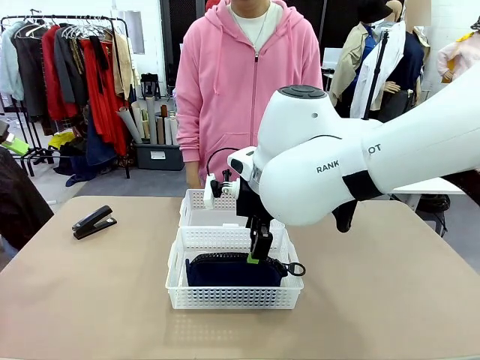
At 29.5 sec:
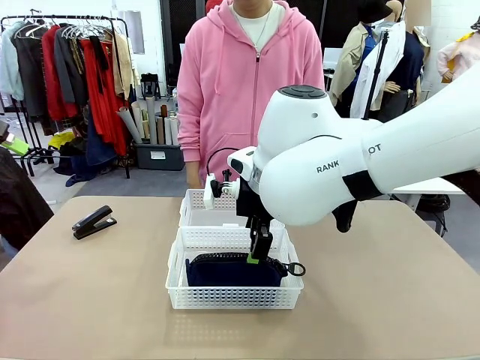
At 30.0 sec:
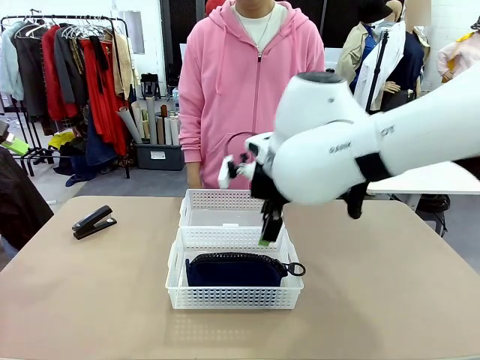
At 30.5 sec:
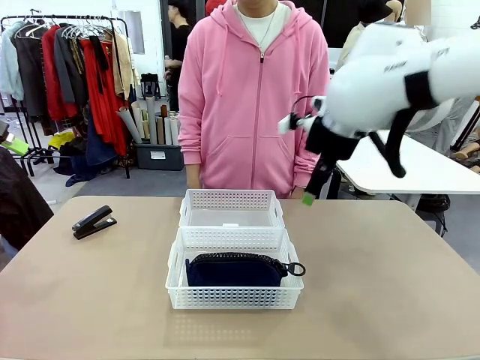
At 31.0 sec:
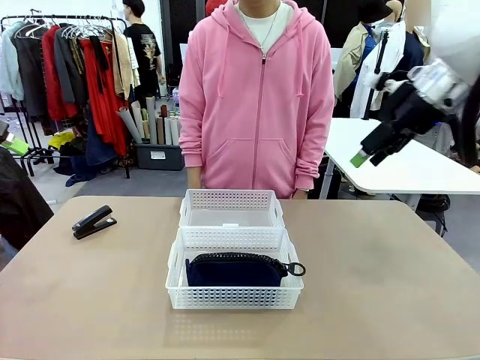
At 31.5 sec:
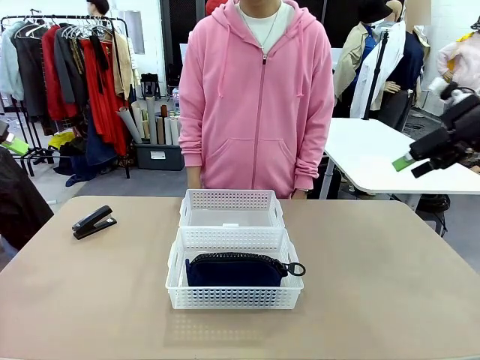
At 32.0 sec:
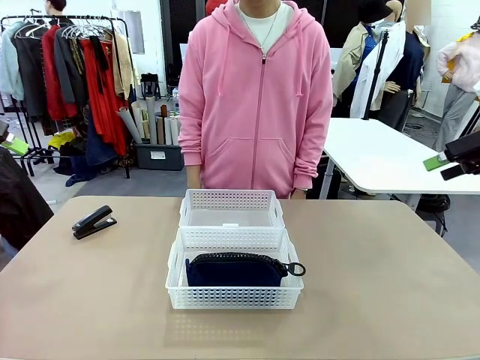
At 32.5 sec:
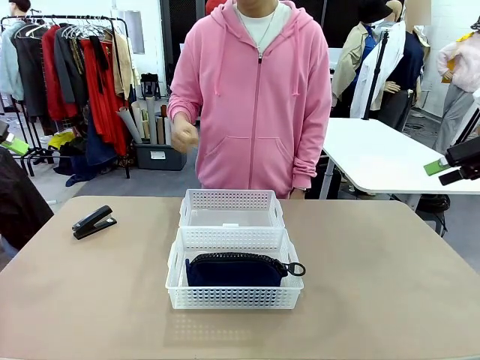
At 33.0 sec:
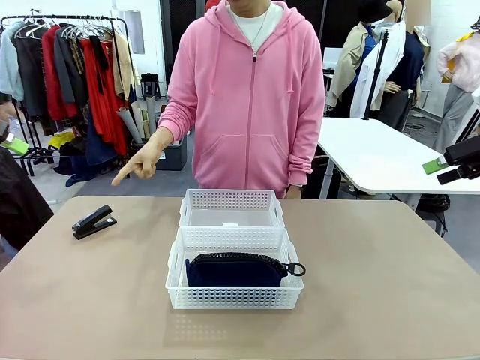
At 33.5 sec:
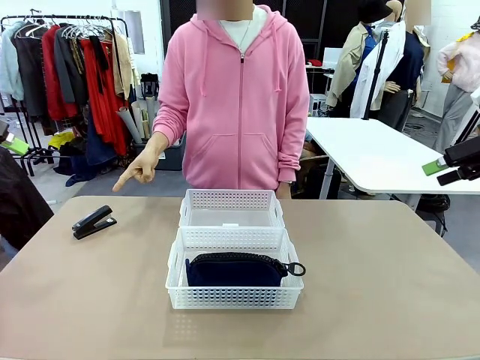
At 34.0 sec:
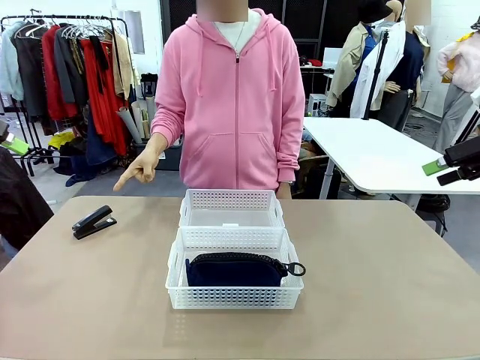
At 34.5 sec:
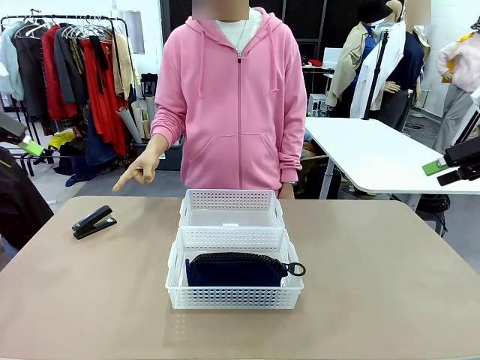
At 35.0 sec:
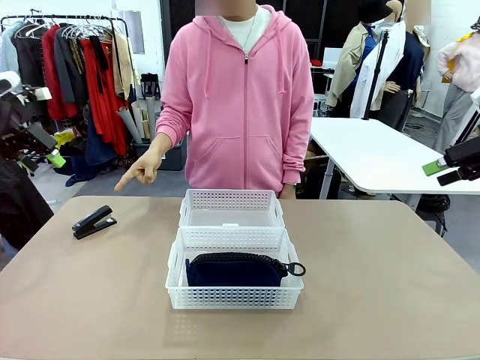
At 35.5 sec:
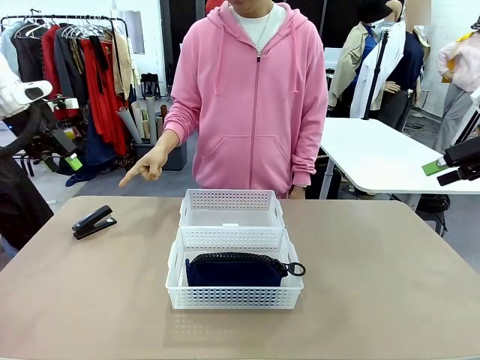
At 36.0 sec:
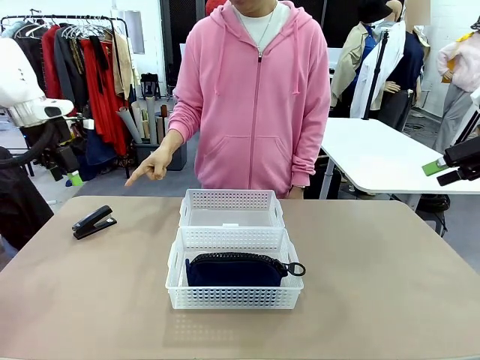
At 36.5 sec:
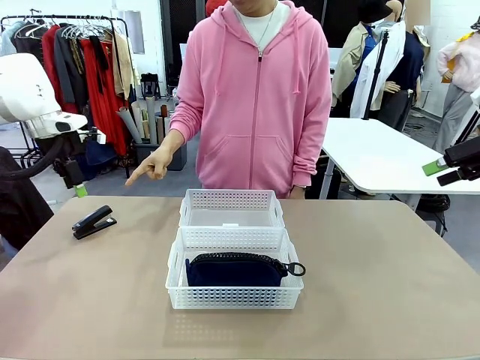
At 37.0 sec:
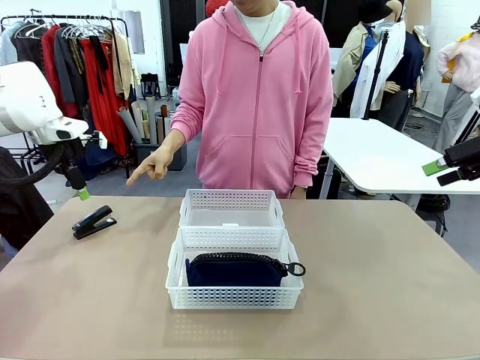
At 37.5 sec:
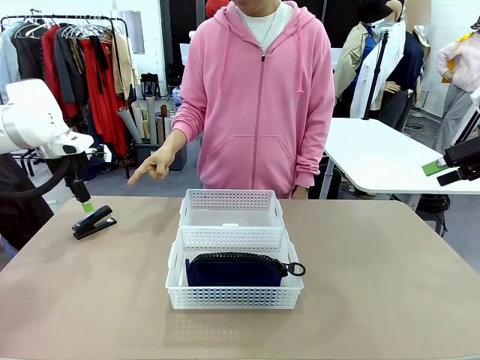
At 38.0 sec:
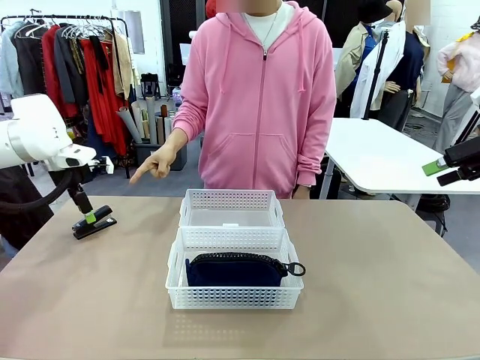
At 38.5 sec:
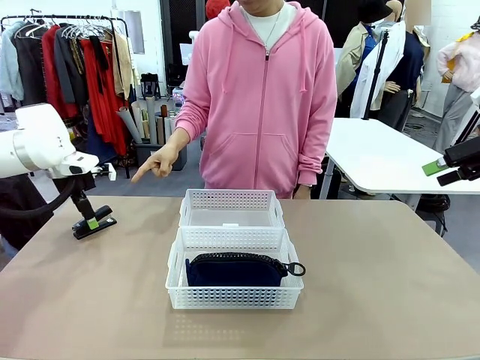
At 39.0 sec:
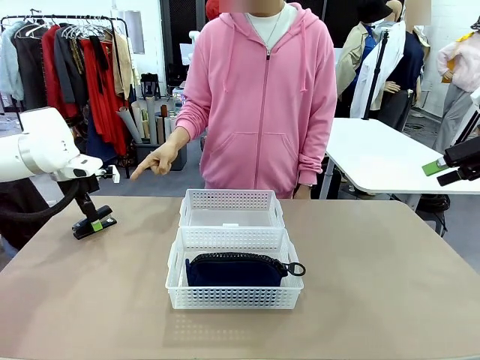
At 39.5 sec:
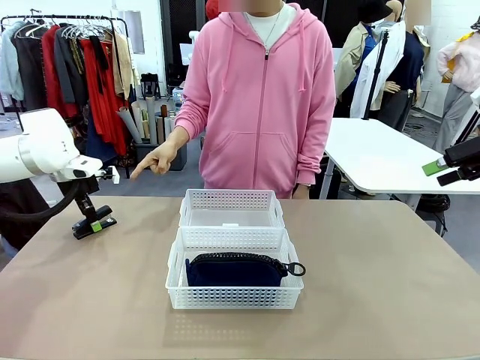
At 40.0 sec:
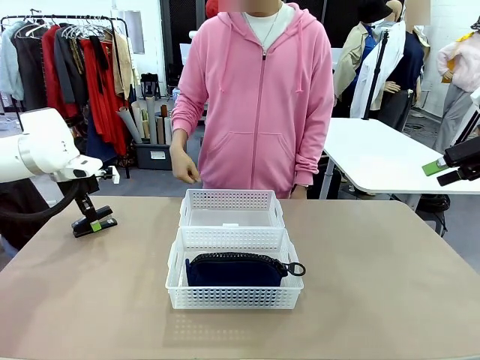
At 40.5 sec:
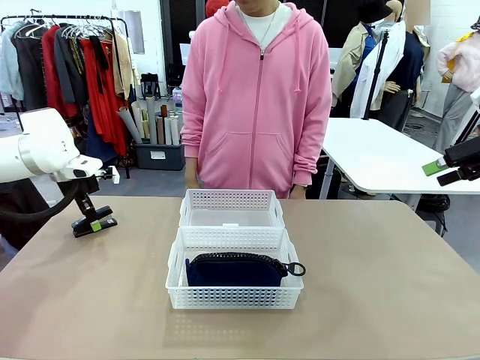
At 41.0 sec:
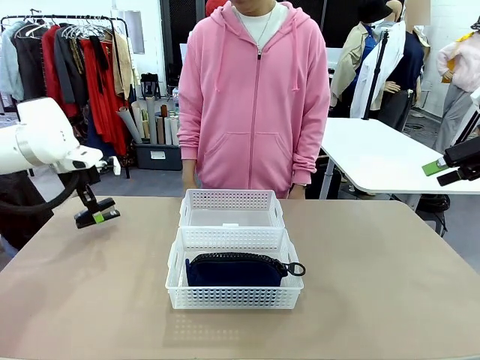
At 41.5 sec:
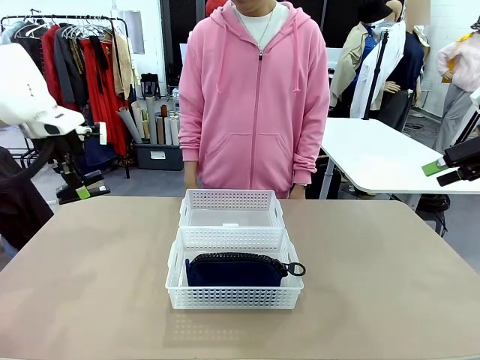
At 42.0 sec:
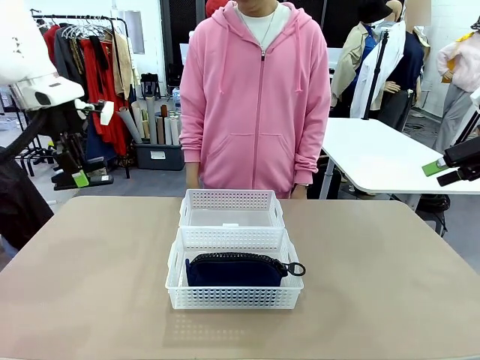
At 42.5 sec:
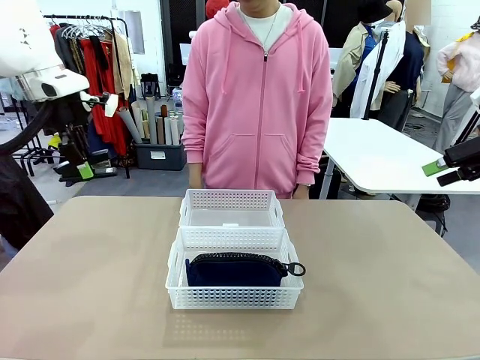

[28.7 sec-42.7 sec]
Task: Distribute items into two baskets.
Robot: Pick up the Stapler that the person points to.

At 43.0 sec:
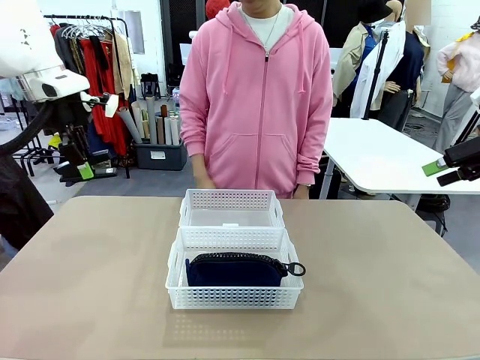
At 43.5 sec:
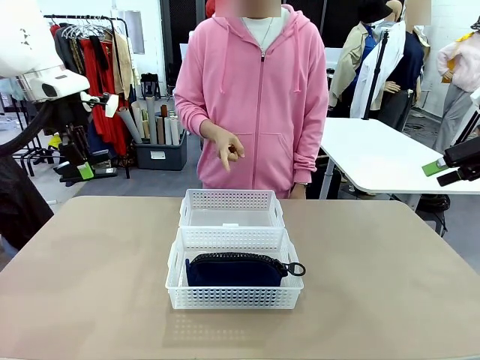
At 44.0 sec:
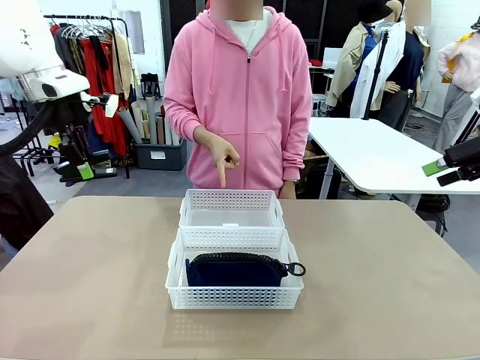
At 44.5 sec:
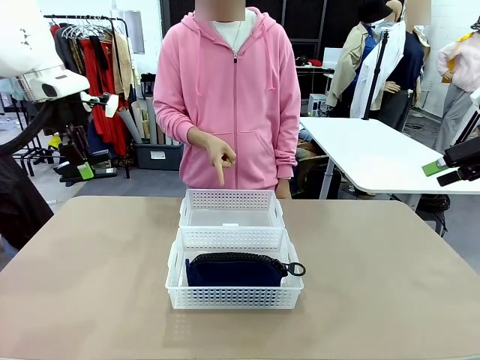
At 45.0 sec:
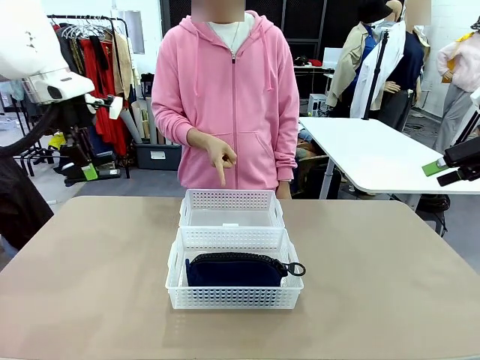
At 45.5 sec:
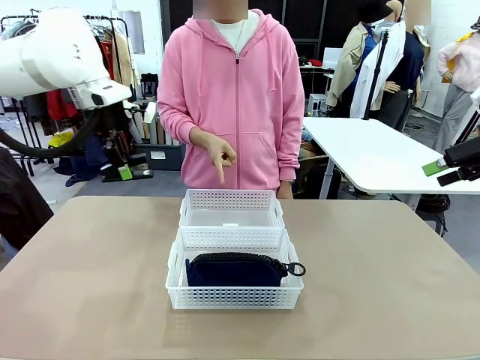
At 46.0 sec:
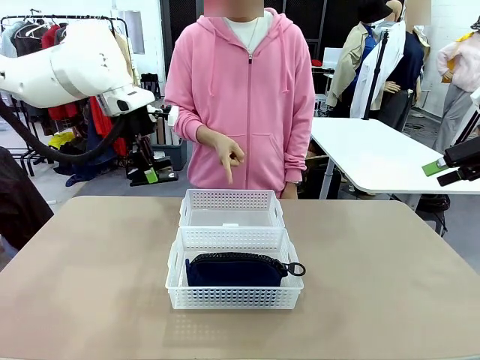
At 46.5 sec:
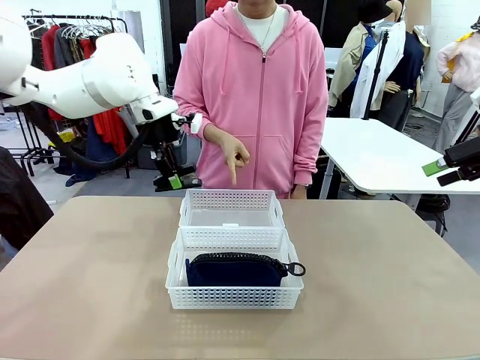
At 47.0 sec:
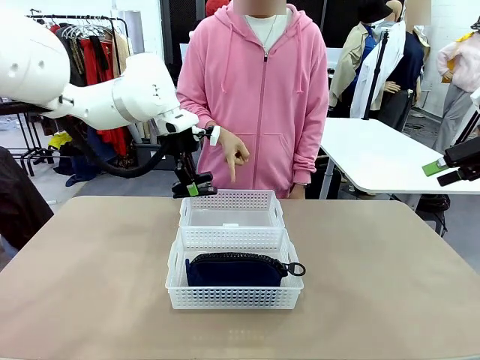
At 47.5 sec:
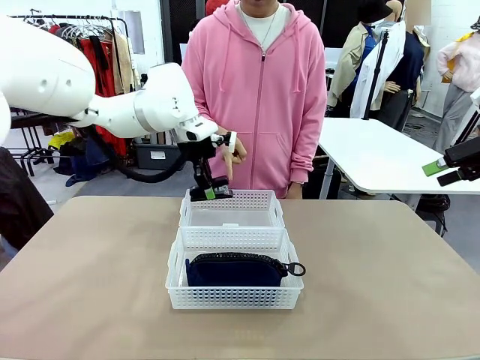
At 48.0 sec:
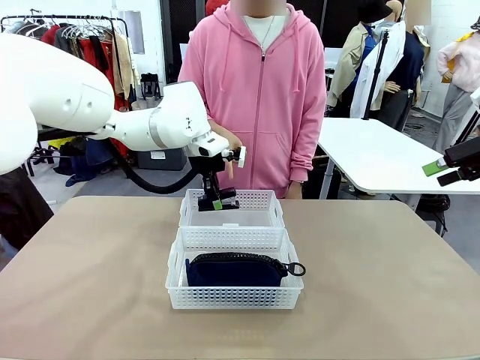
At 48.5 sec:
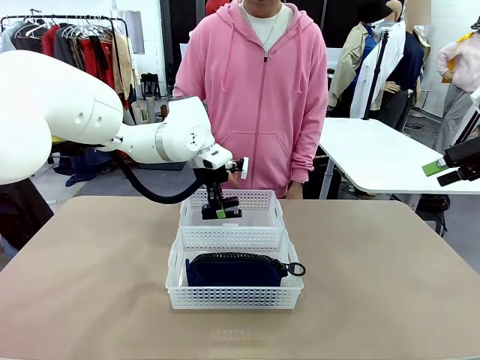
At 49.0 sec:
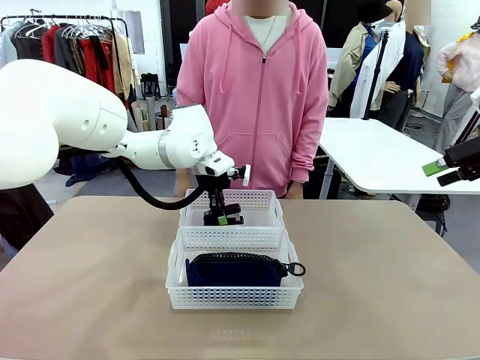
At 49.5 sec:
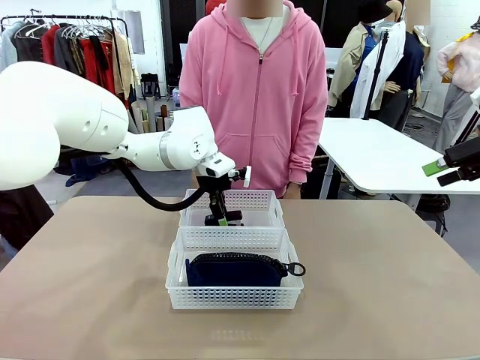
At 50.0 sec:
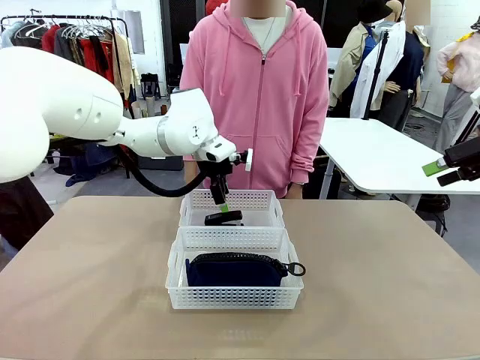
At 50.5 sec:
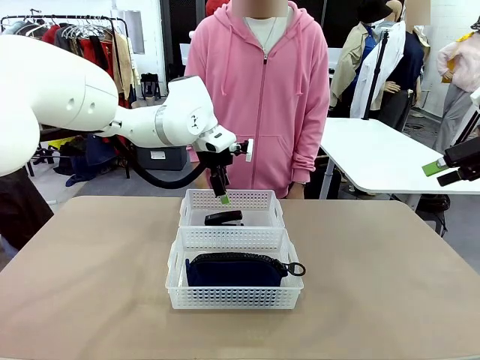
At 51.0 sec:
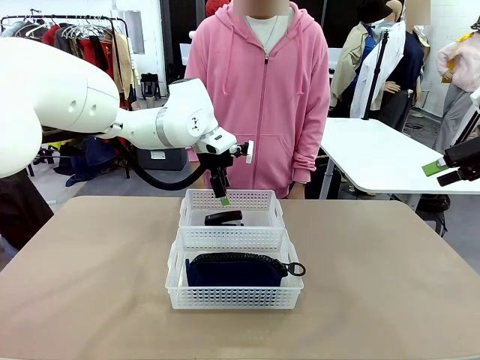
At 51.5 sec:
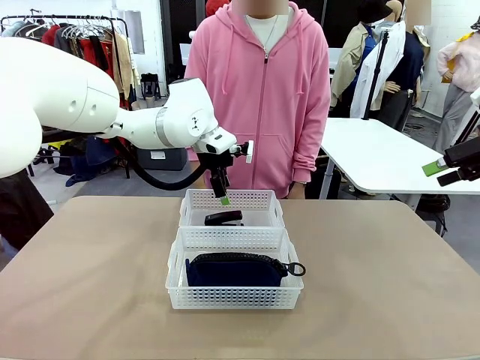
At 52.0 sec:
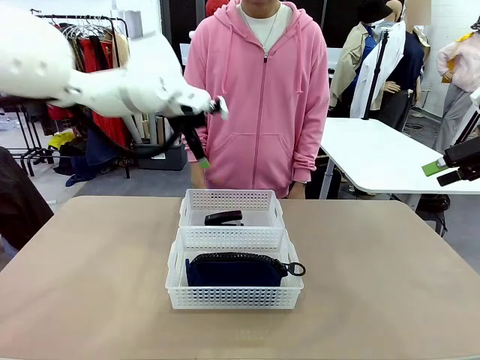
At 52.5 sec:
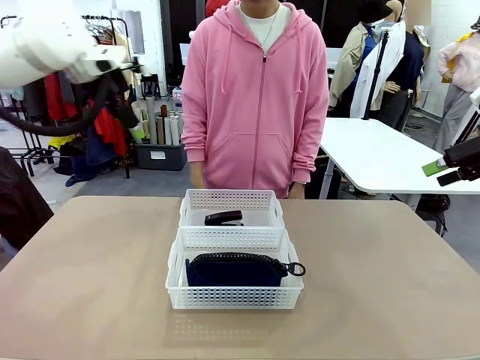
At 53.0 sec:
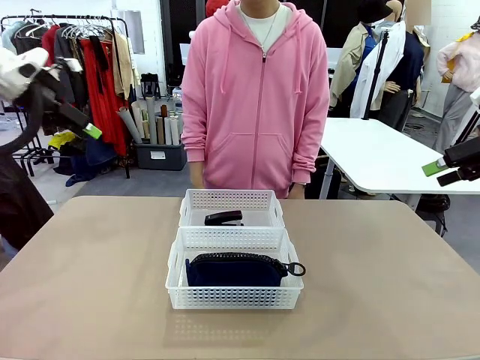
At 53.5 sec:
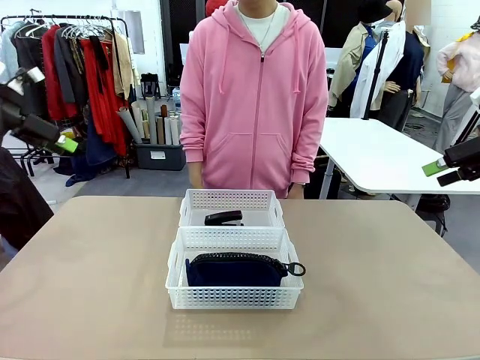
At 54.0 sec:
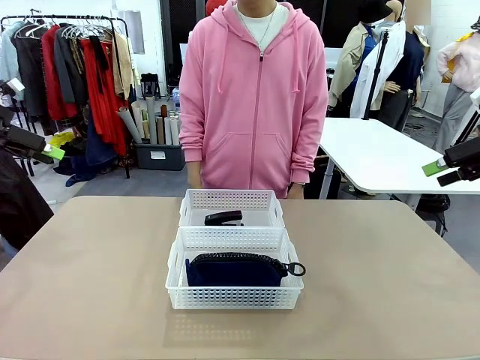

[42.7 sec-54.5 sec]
Robot: Place the picked Stapler into the Organizing basket as instructed by the person.
Person: Points to the basket that does not contain the pencil case and instructs the robot to move the stapler there.
